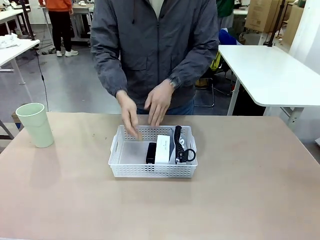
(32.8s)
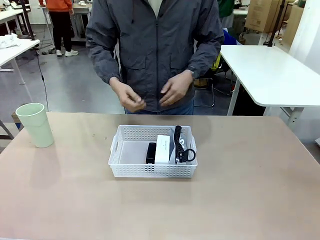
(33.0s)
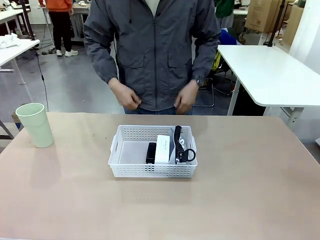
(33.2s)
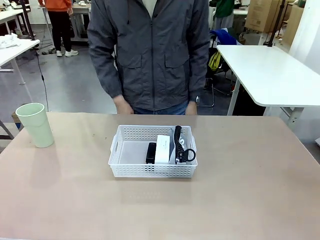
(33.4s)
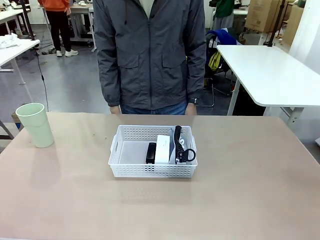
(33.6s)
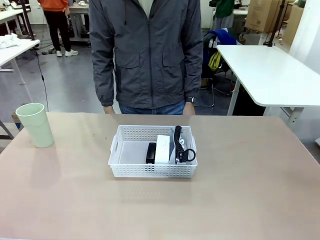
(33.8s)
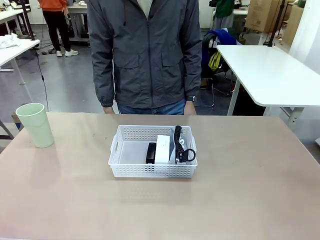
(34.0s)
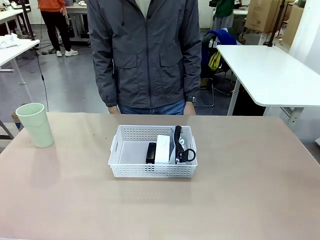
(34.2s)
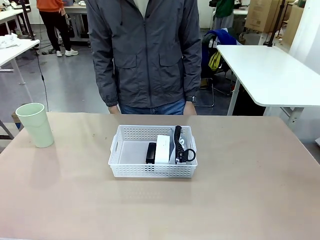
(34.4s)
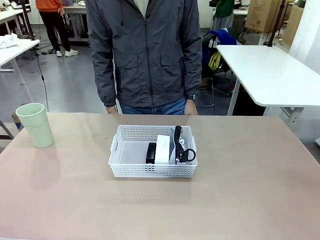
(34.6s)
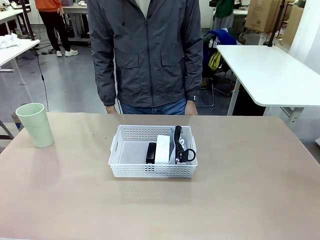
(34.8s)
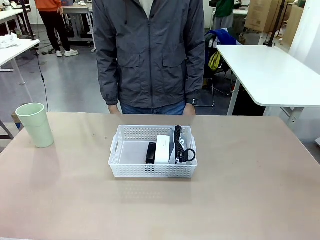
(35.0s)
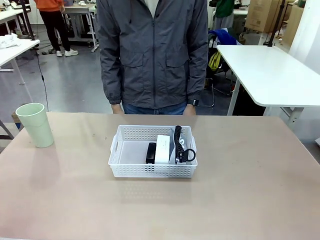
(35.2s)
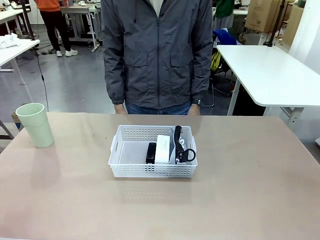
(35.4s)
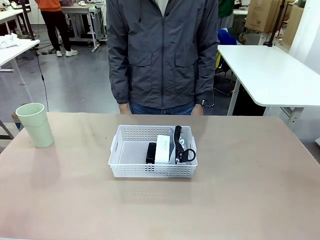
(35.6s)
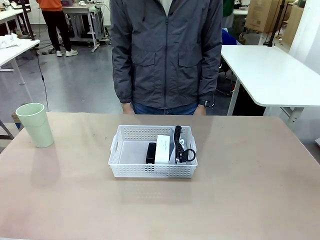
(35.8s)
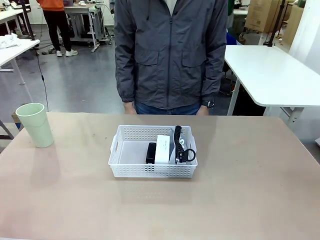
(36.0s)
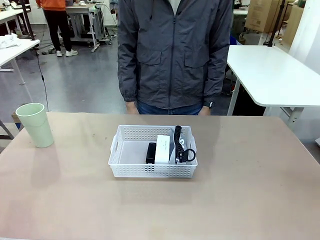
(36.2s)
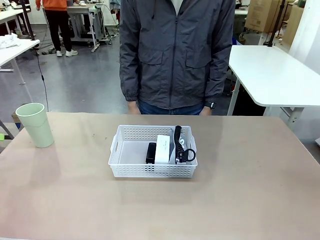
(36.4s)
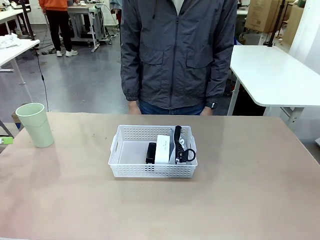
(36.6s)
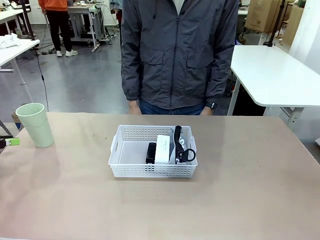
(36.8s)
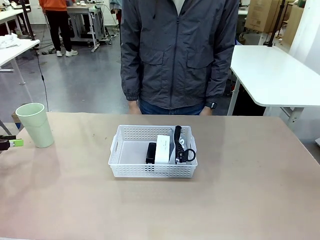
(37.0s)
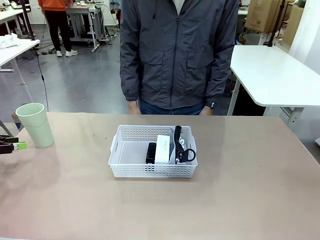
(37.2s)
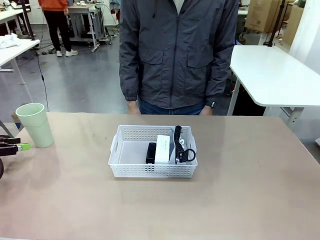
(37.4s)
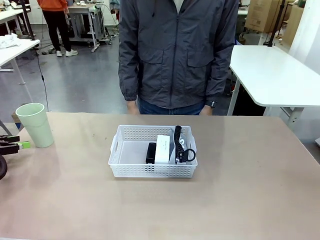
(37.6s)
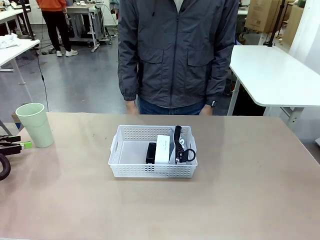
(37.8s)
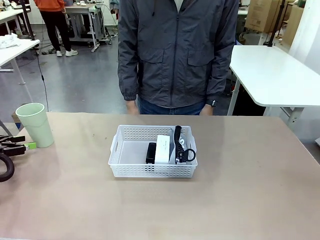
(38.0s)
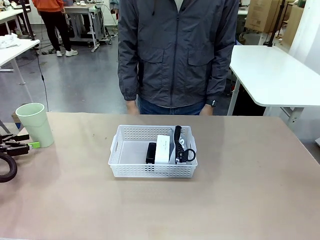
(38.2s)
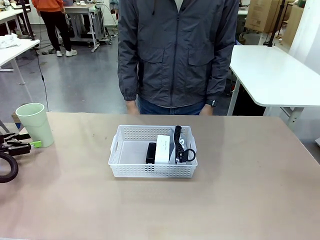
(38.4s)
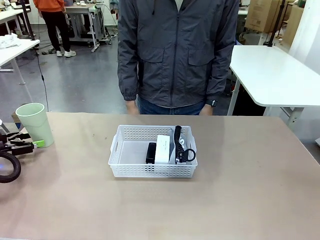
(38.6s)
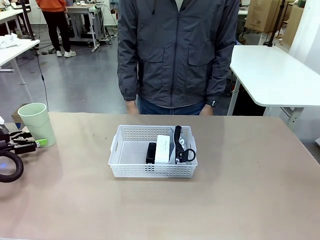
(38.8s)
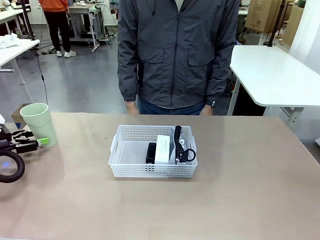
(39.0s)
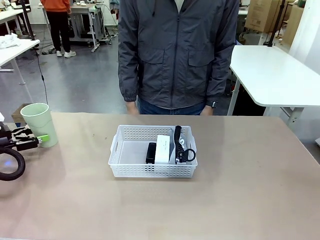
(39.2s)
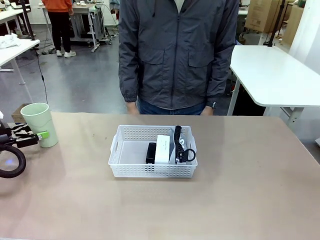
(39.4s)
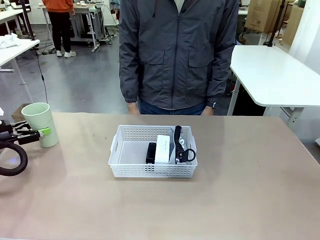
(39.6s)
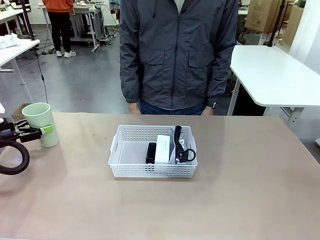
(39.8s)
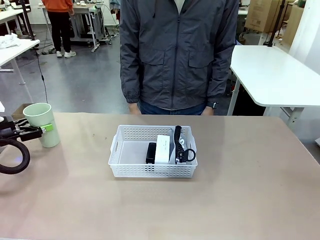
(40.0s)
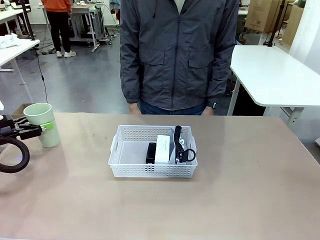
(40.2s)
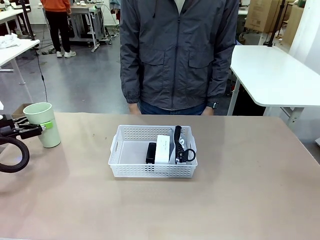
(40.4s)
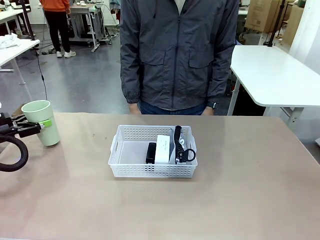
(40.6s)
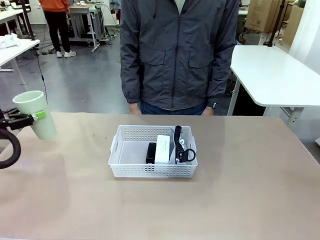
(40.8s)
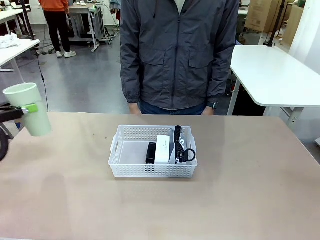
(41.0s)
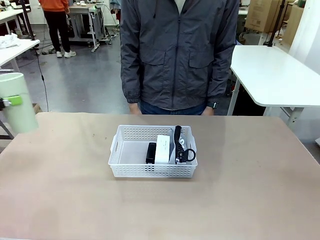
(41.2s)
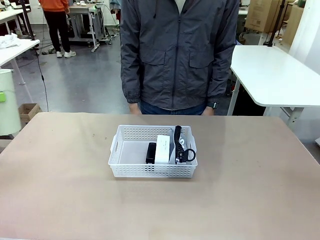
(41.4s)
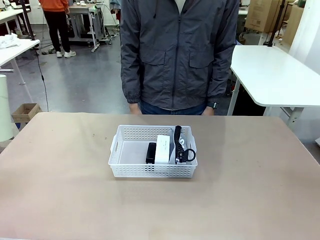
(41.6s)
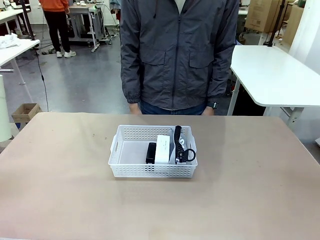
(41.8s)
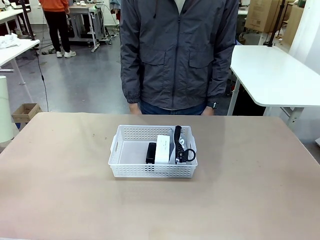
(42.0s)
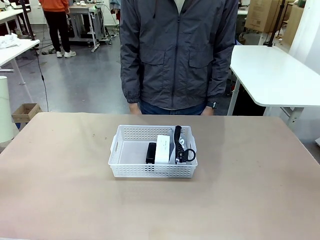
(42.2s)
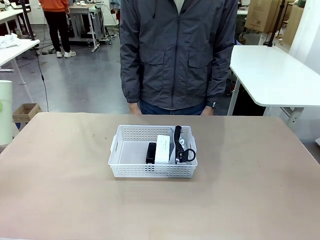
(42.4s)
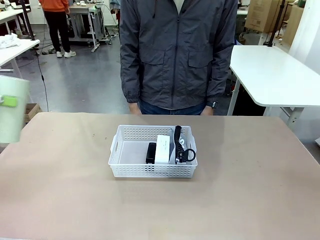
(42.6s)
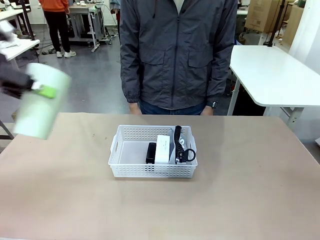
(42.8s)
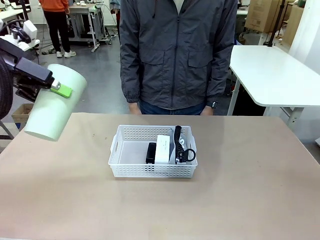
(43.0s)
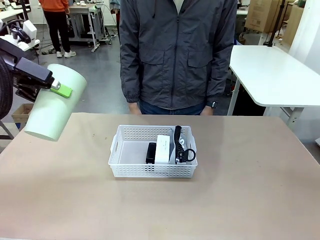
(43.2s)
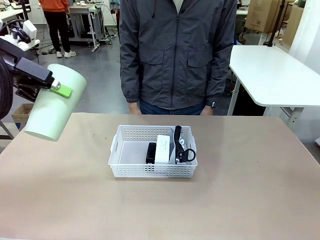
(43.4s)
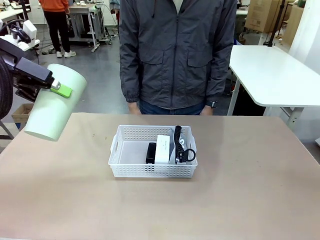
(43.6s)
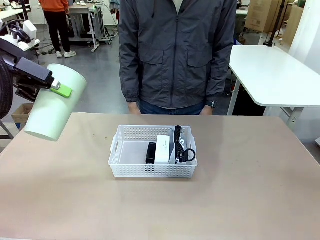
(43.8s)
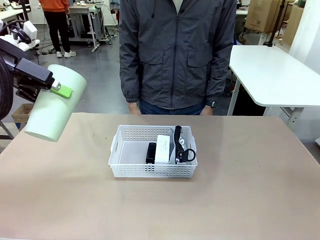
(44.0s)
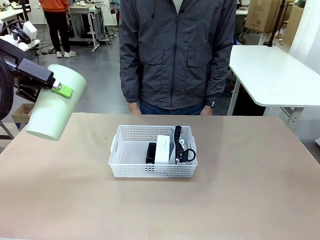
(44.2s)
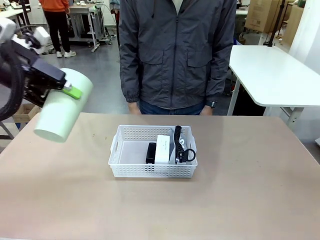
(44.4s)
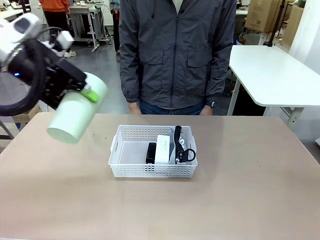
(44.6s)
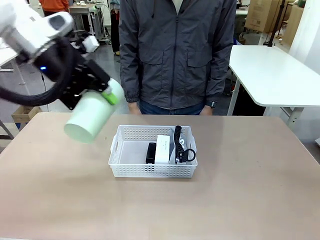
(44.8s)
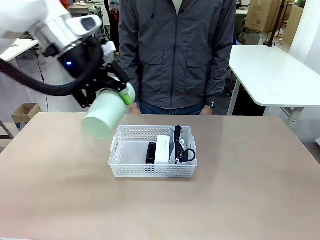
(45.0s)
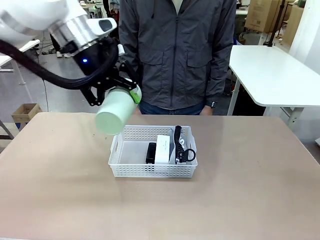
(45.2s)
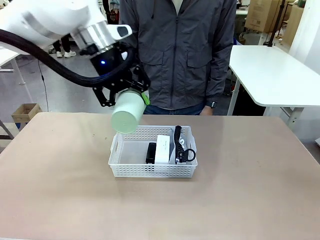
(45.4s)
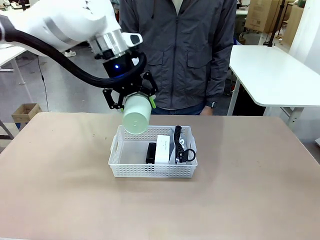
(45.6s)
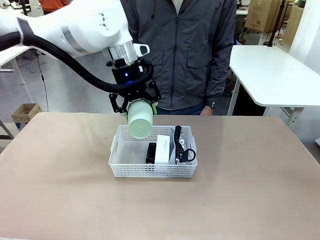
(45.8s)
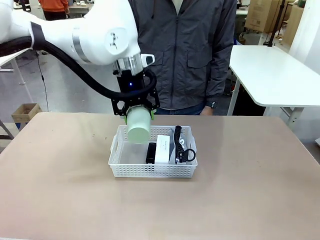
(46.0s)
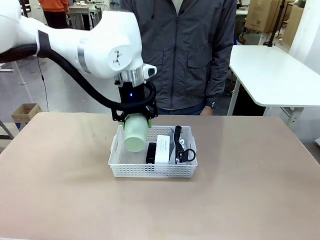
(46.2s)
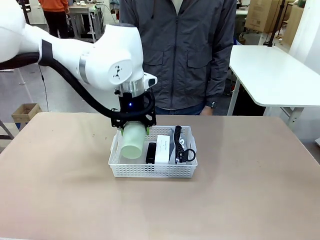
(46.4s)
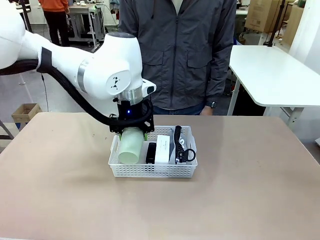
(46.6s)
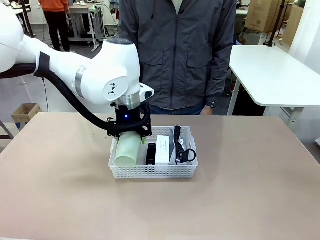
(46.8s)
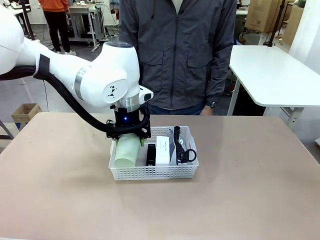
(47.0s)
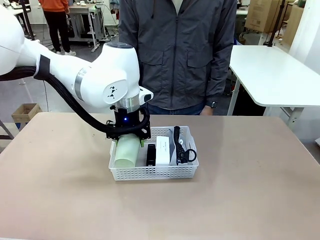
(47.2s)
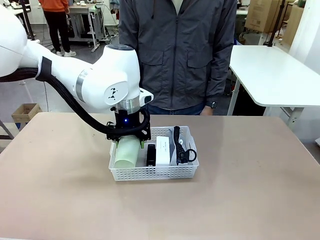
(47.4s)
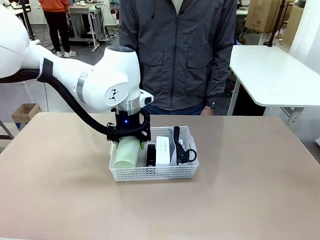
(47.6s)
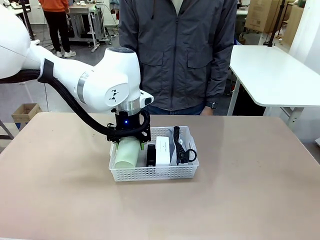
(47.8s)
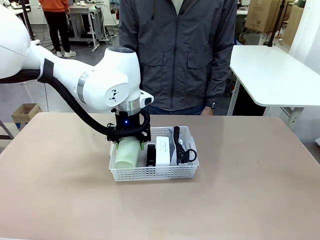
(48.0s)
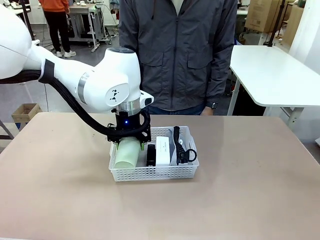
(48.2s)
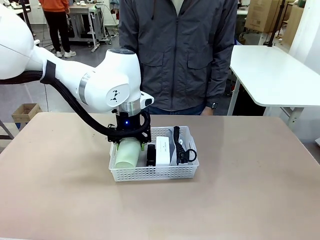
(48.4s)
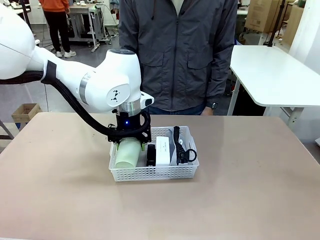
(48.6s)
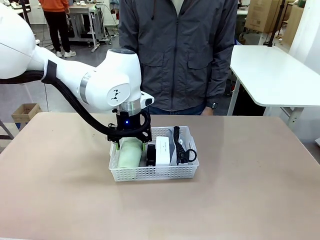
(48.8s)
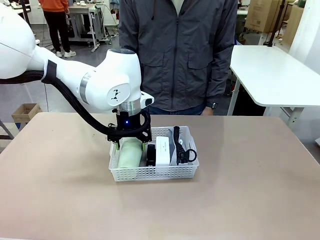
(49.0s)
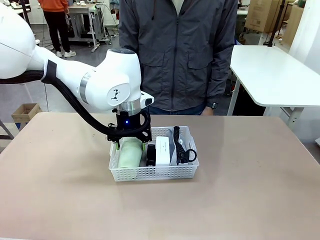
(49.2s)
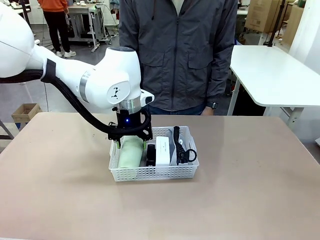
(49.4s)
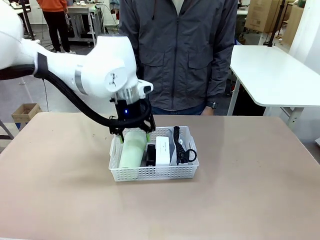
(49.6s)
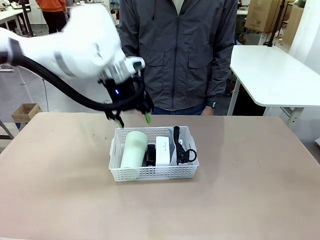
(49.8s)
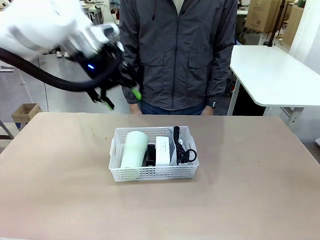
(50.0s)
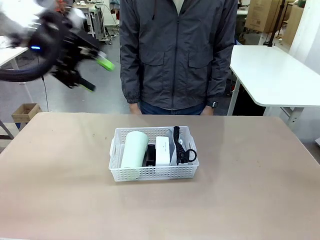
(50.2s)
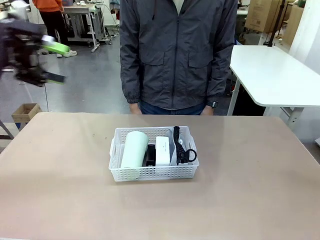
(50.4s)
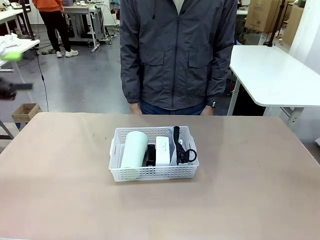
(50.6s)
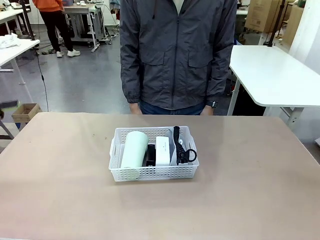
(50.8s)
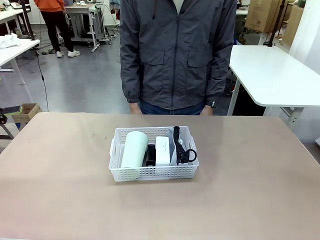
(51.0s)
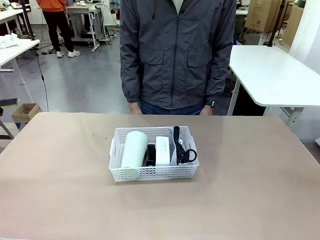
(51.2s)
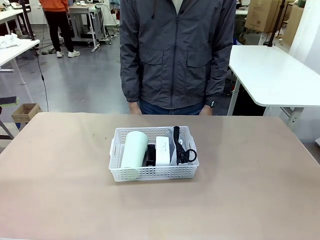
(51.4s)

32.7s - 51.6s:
Task: Efficiently arrange items inside the basket to fit them all.
Robot: Pick up the Reusable plastic cup and place it inside the Organizing basket.
Person: Repositions the stapler.
